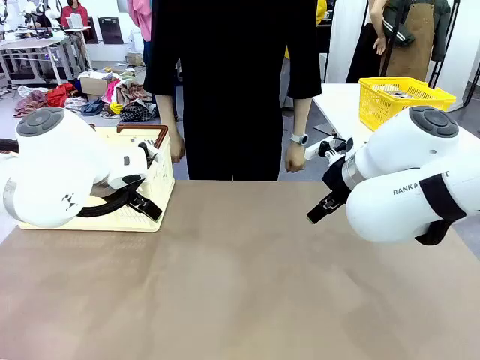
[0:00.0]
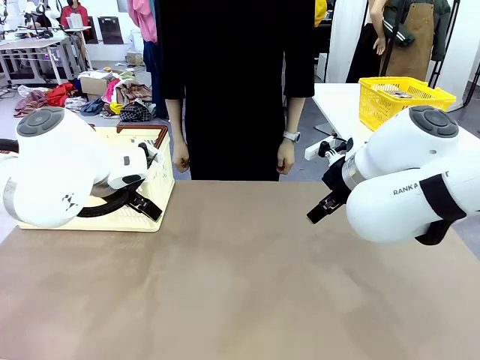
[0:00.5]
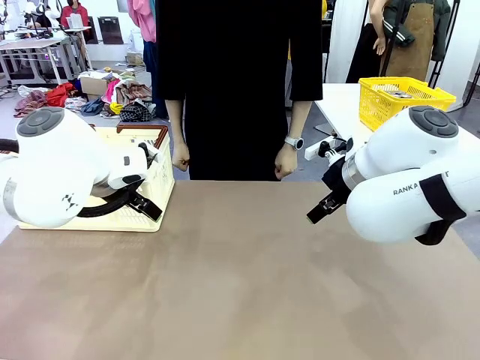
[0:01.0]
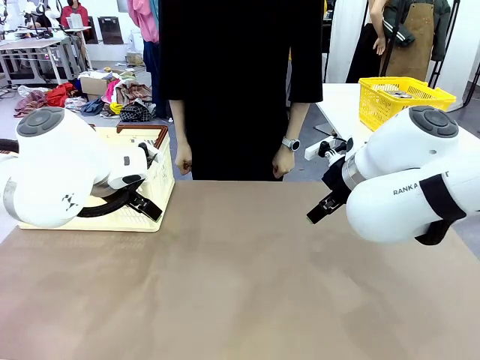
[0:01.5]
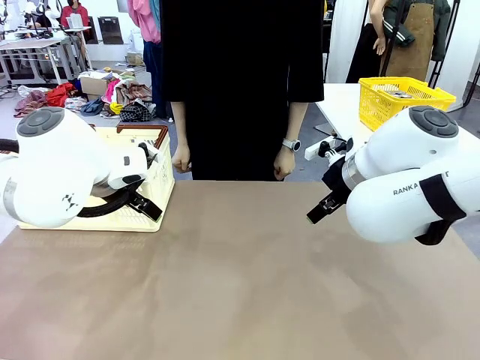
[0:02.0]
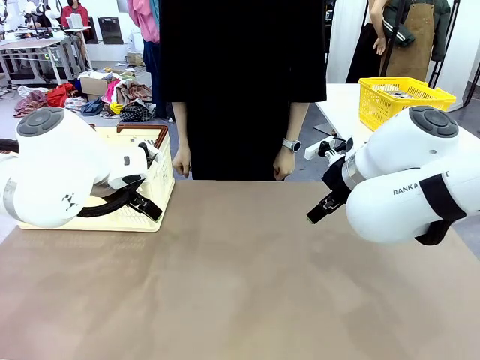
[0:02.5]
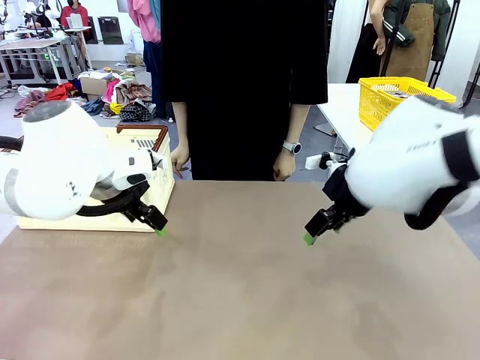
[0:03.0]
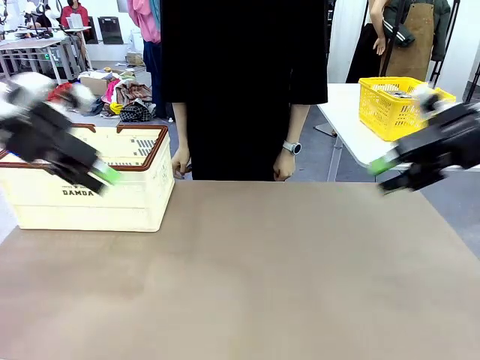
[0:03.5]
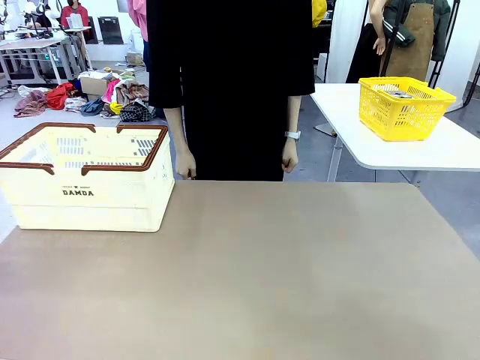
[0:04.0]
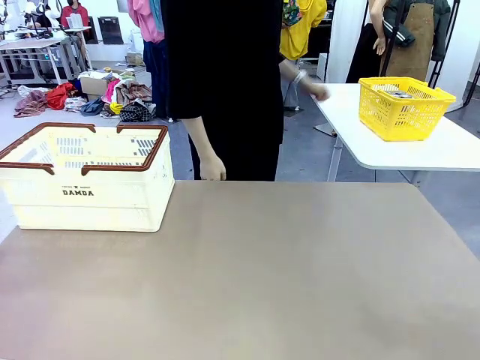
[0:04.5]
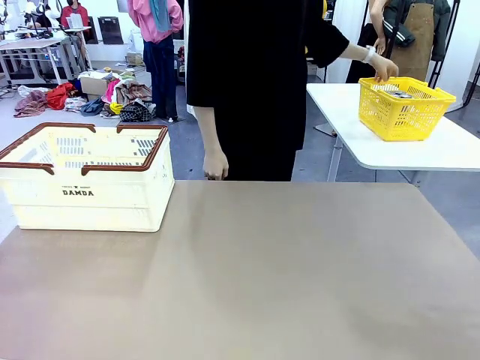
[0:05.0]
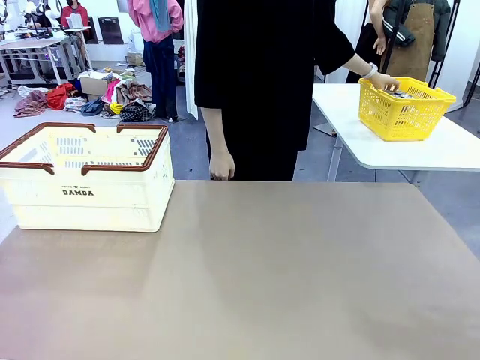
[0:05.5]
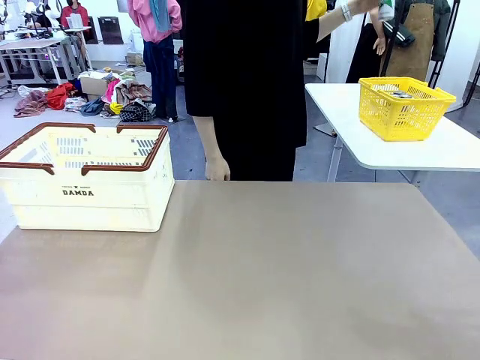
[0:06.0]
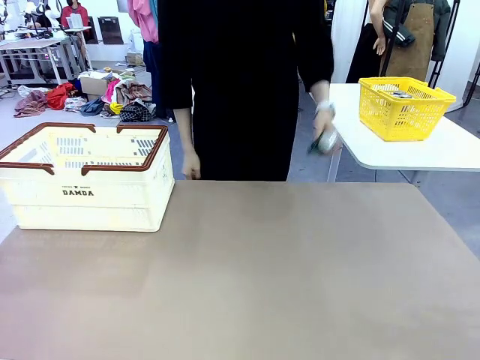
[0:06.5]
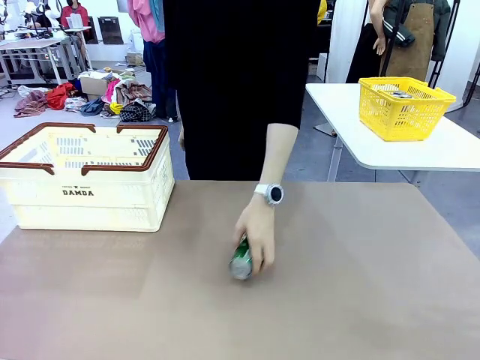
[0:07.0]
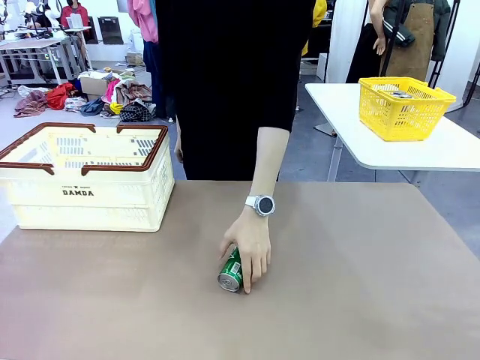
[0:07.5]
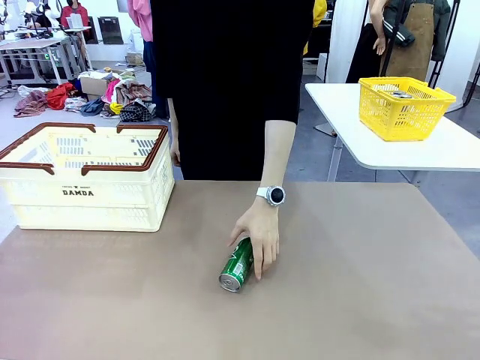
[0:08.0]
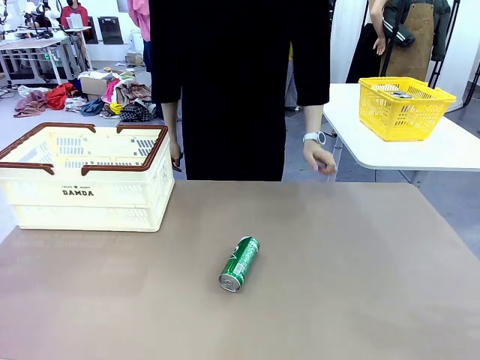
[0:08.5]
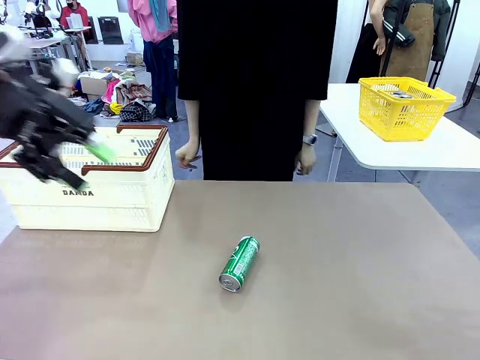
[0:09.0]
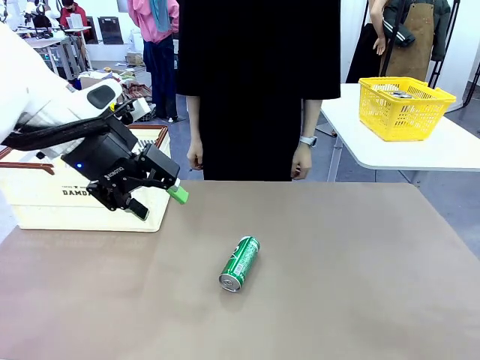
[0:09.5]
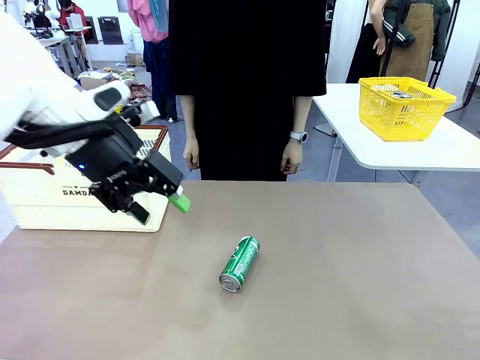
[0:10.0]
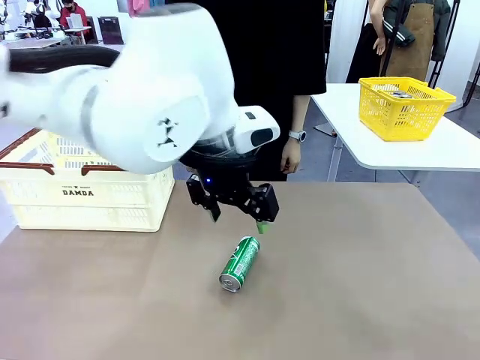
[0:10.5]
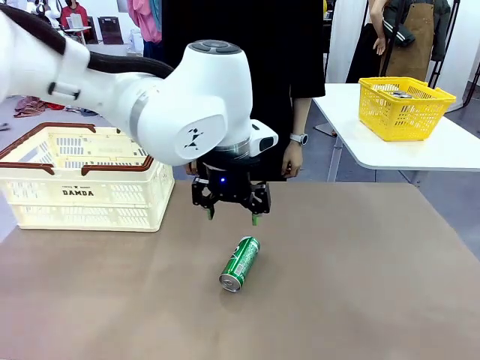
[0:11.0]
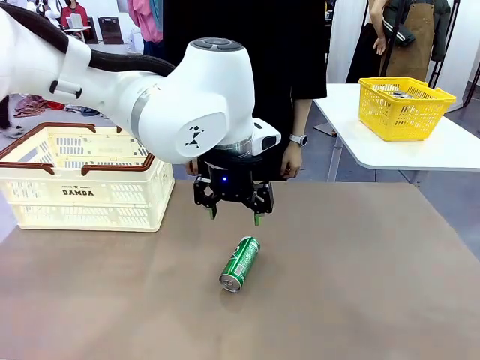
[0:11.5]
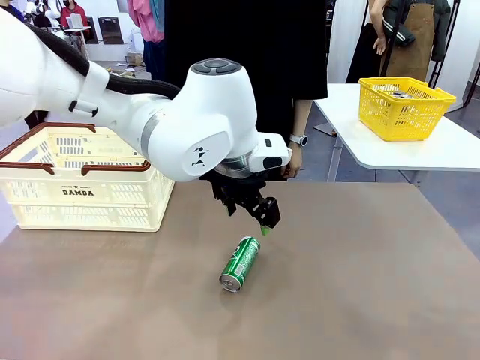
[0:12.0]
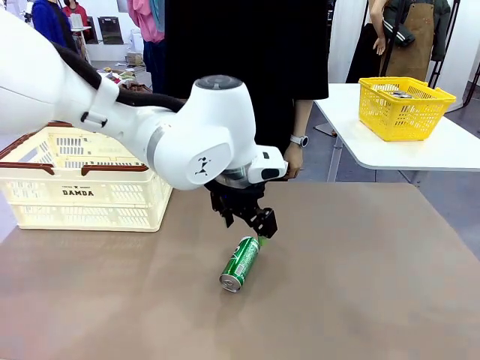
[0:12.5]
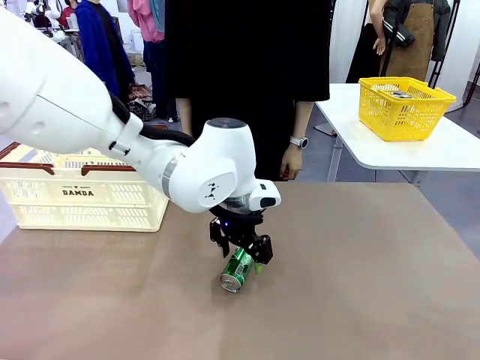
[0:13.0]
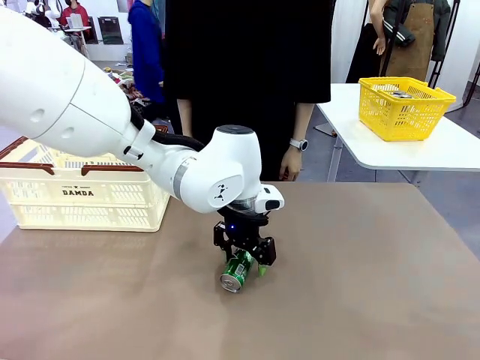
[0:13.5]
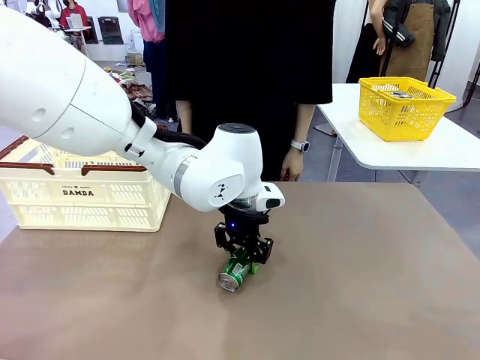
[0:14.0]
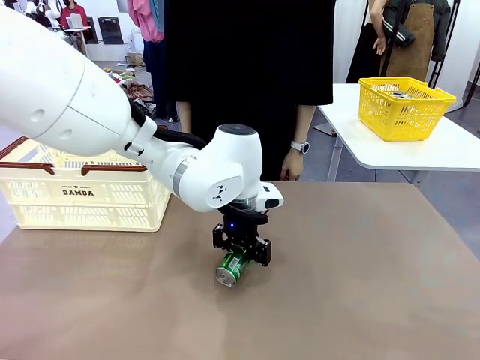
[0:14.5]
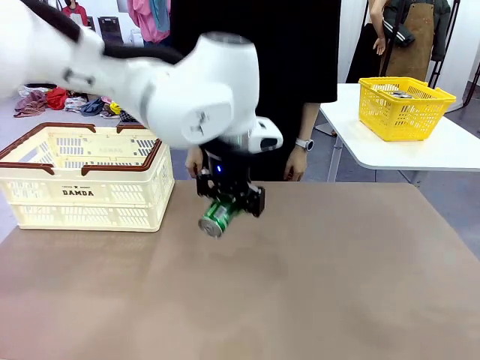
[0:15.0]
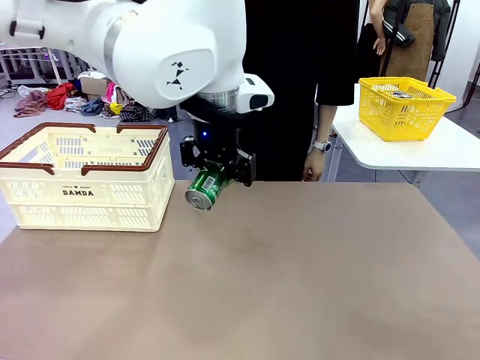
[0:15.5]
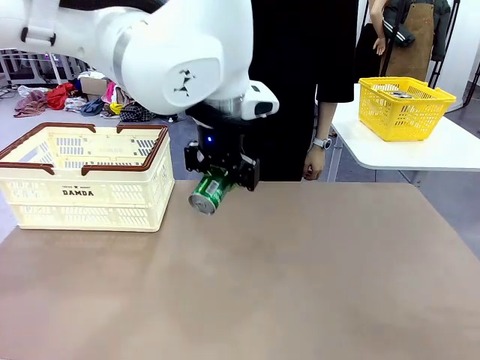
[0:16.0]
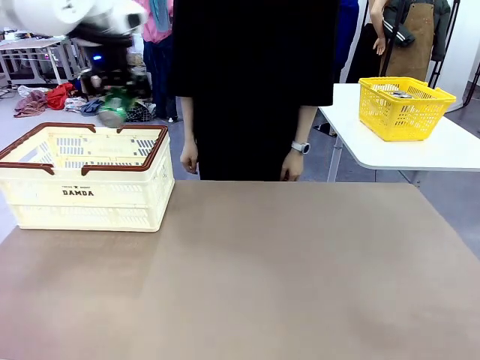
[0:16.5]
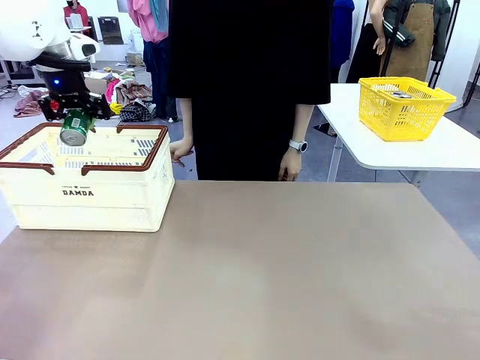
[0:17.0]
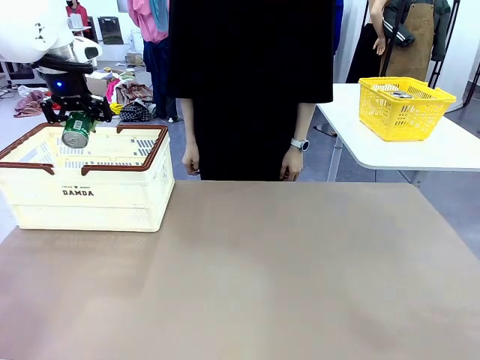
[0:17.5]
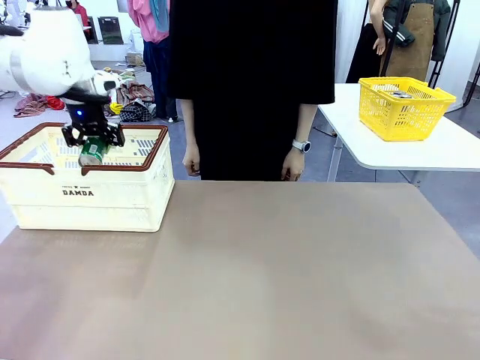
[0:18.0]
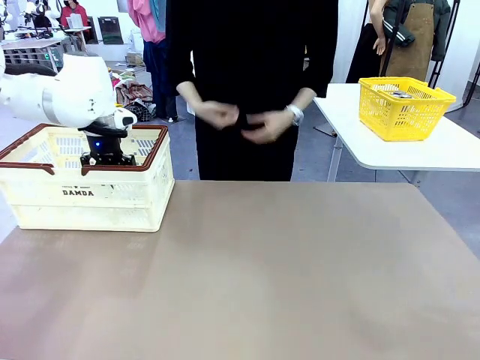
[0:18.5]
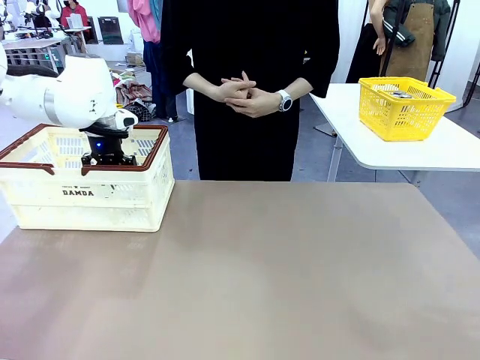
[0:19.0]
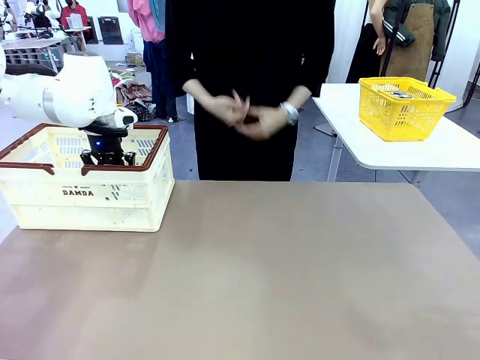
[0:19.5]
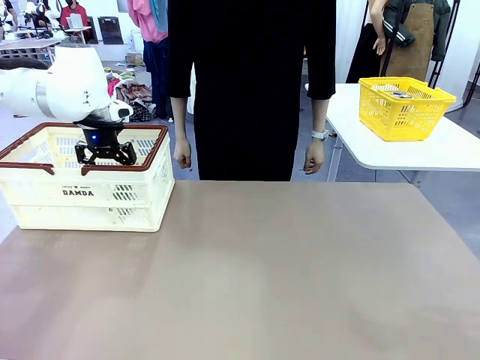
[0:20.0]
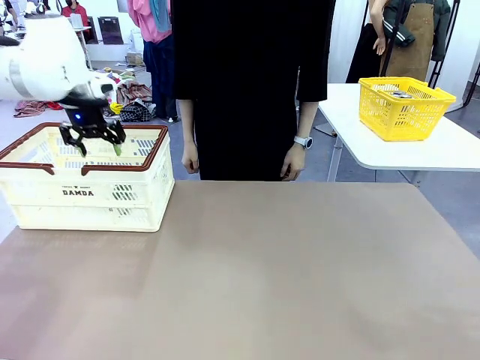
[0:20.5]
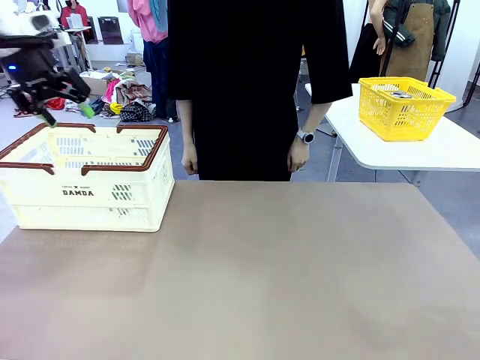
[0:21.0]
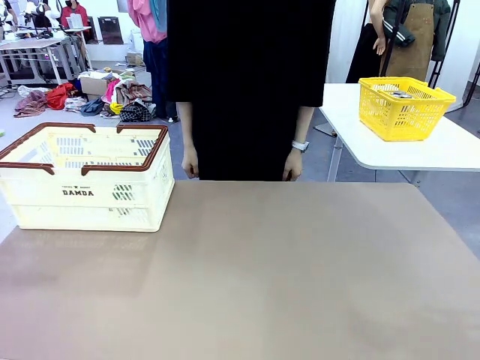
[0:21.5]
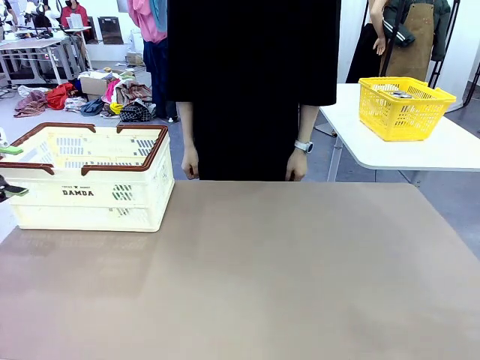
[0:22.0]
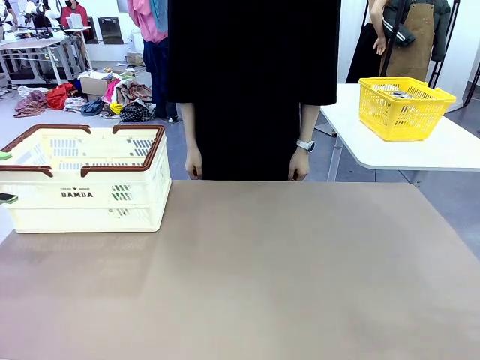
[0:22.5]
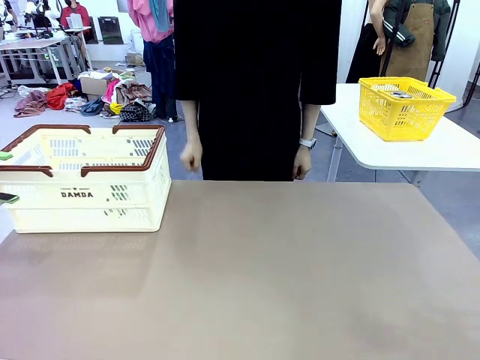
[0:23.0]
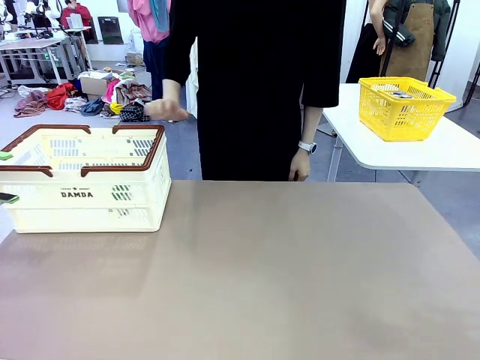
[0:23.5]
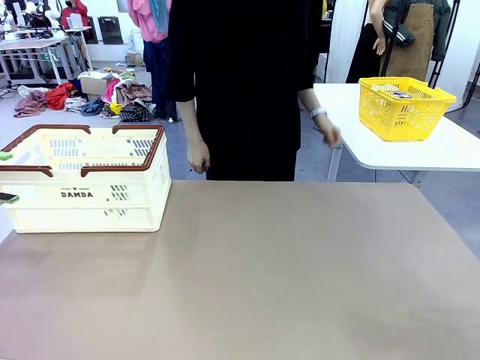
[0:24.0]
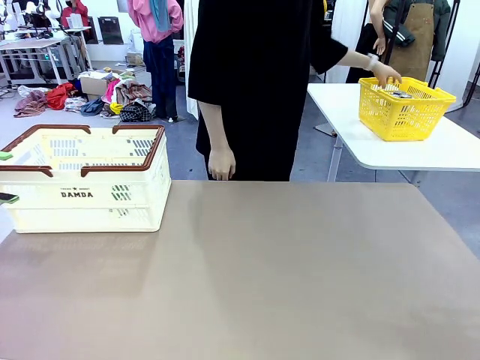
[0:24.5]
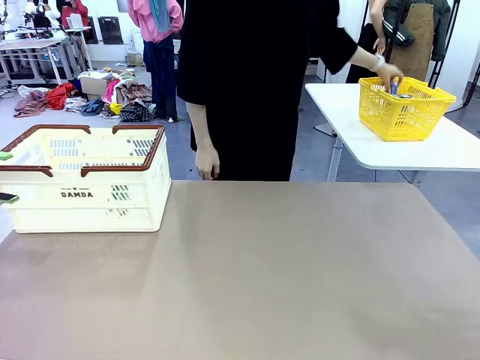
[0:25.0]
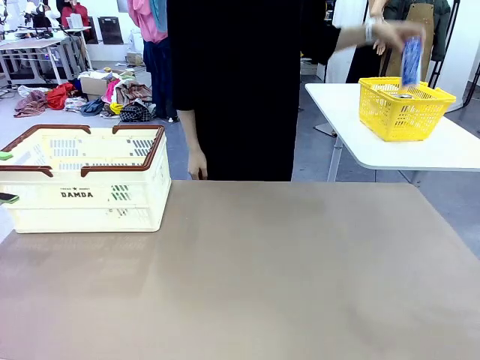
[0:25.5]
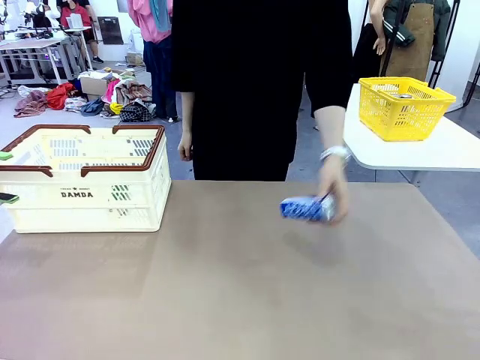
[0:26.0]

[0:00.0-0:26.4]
Task: Place the drinks into the Shopping basket.
Robot: Pick up one drink and place it into the Shopping basket.
